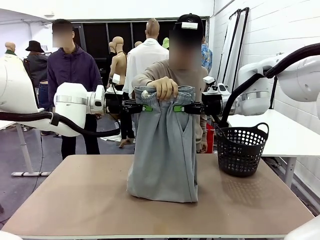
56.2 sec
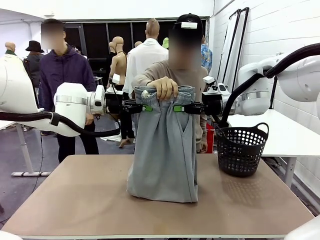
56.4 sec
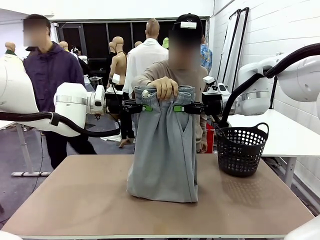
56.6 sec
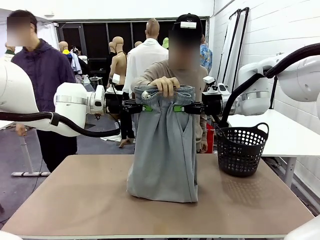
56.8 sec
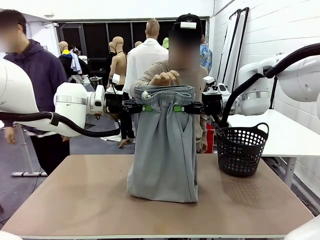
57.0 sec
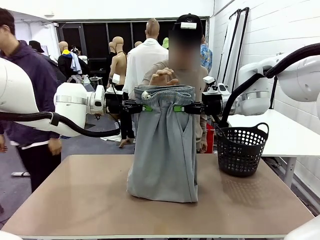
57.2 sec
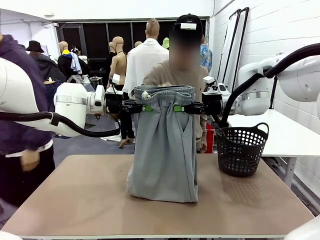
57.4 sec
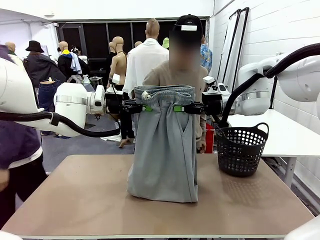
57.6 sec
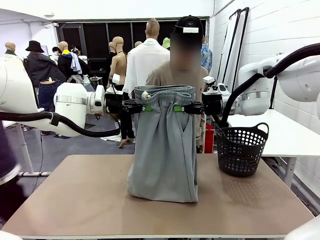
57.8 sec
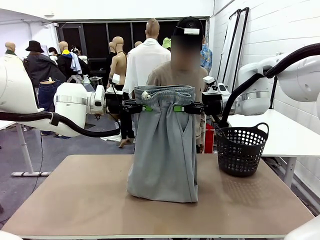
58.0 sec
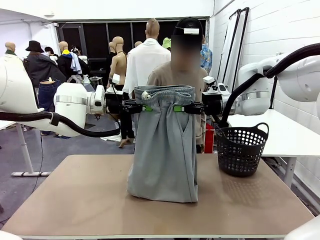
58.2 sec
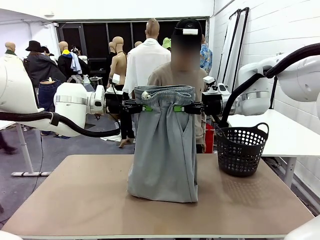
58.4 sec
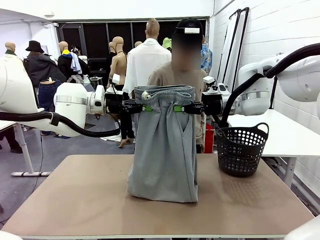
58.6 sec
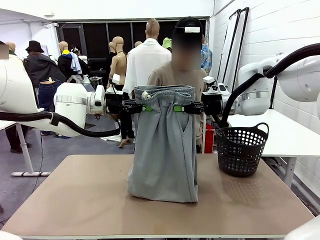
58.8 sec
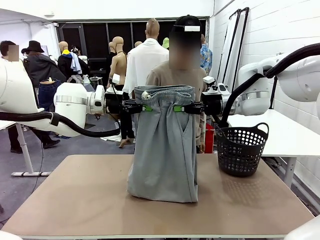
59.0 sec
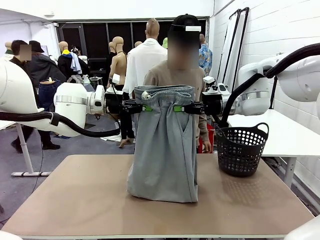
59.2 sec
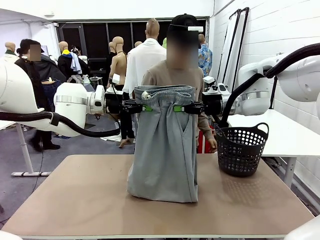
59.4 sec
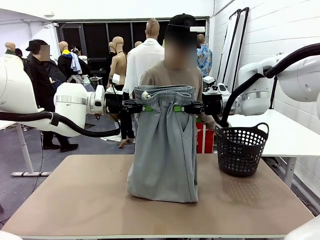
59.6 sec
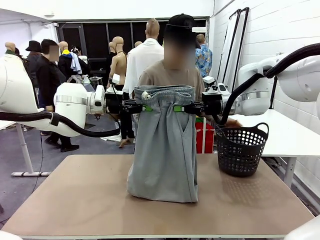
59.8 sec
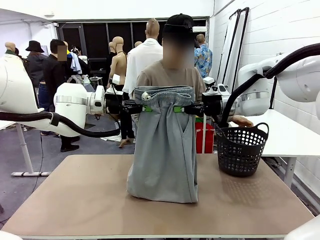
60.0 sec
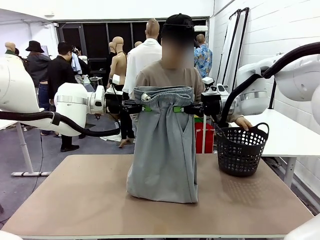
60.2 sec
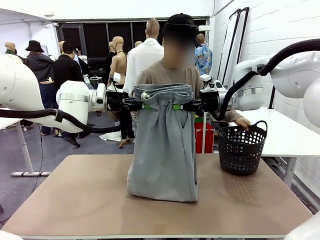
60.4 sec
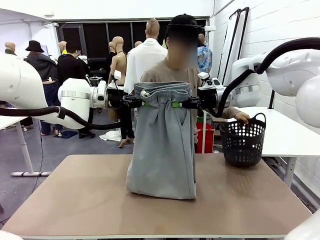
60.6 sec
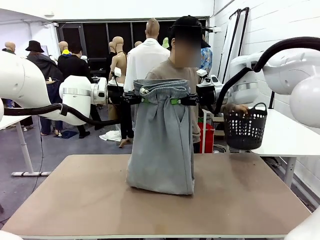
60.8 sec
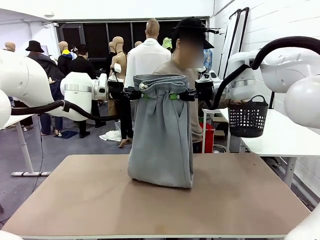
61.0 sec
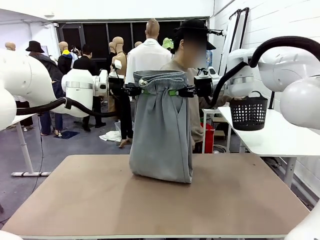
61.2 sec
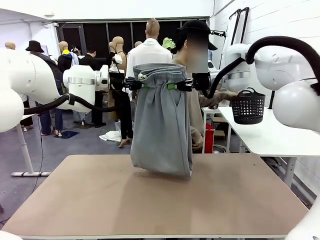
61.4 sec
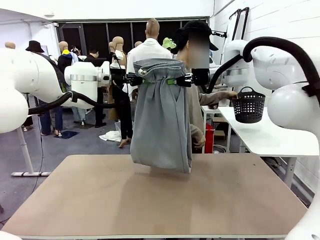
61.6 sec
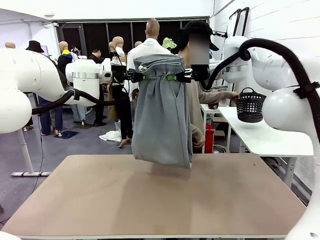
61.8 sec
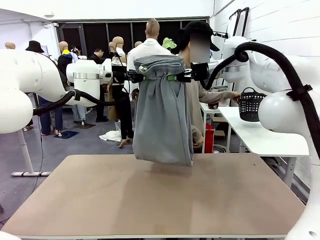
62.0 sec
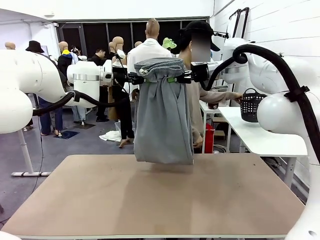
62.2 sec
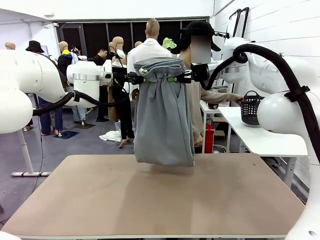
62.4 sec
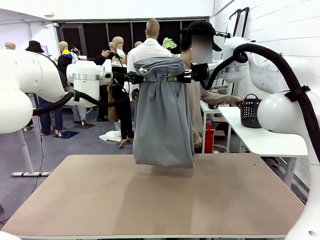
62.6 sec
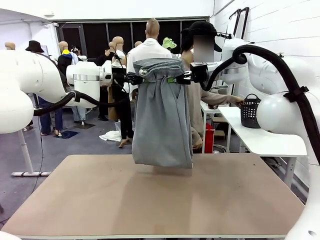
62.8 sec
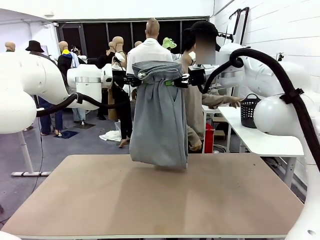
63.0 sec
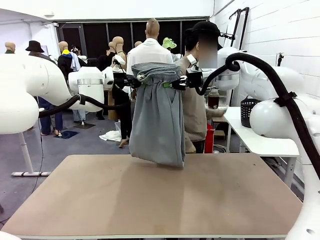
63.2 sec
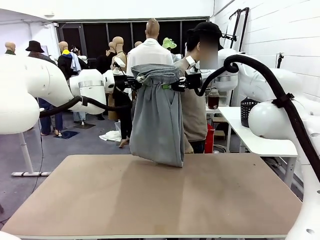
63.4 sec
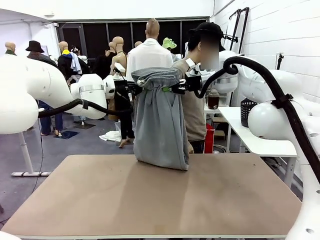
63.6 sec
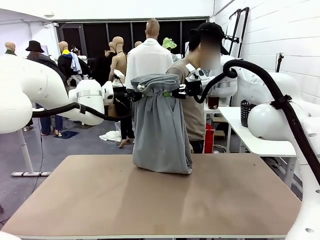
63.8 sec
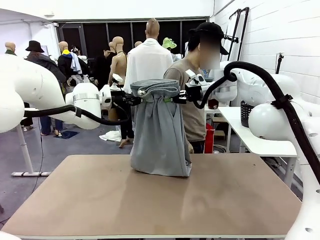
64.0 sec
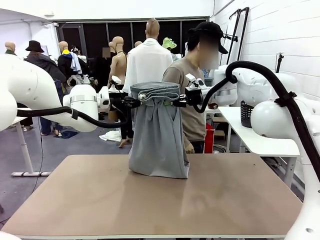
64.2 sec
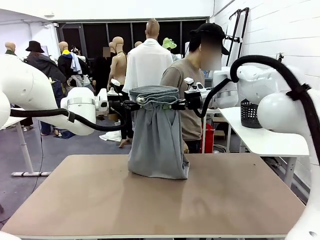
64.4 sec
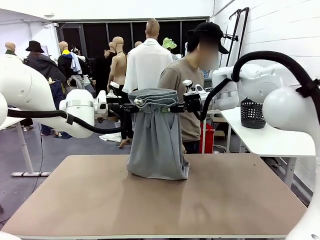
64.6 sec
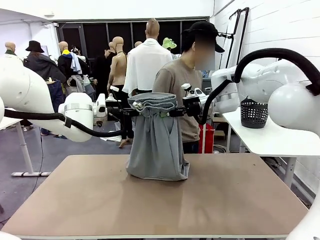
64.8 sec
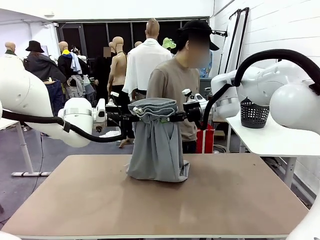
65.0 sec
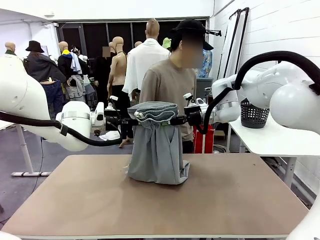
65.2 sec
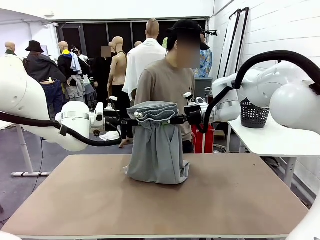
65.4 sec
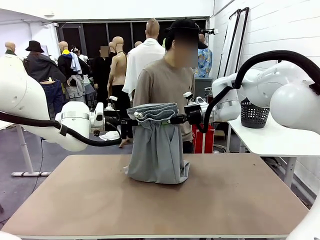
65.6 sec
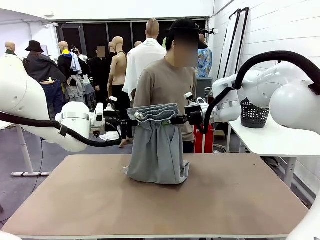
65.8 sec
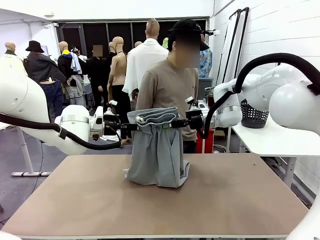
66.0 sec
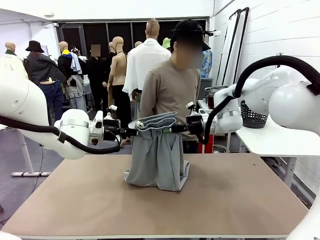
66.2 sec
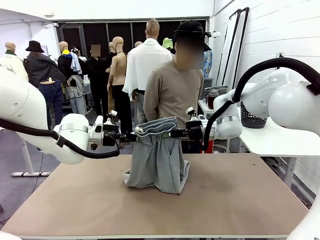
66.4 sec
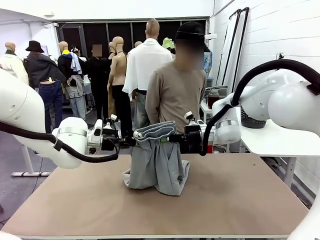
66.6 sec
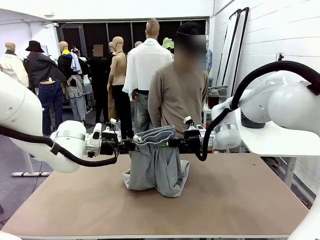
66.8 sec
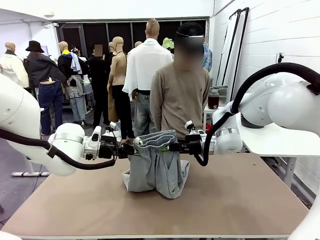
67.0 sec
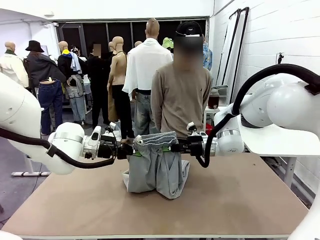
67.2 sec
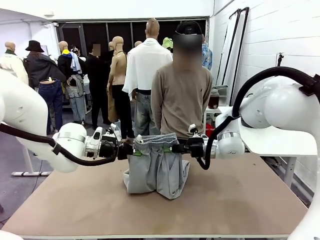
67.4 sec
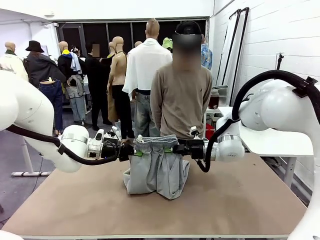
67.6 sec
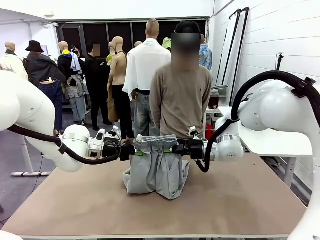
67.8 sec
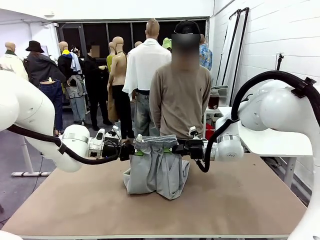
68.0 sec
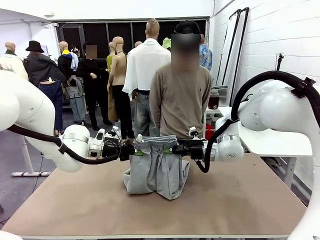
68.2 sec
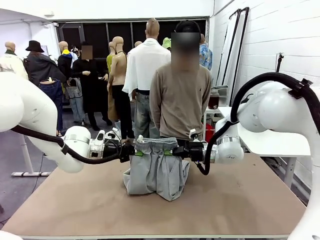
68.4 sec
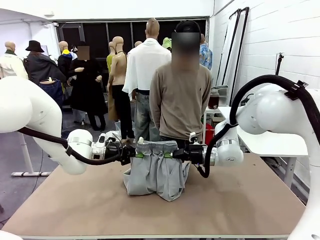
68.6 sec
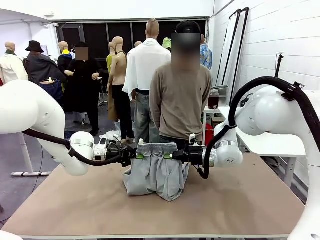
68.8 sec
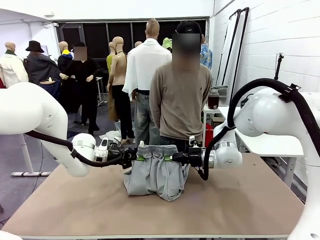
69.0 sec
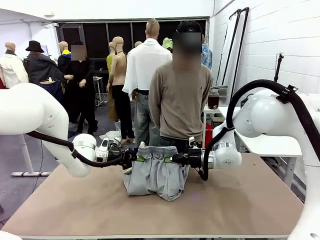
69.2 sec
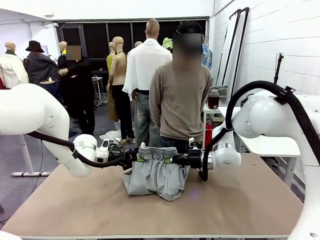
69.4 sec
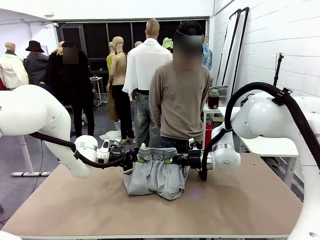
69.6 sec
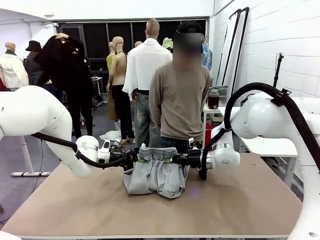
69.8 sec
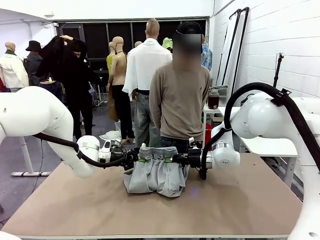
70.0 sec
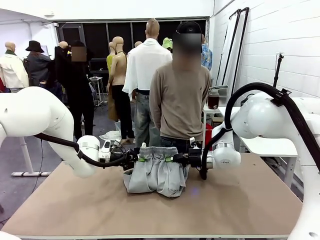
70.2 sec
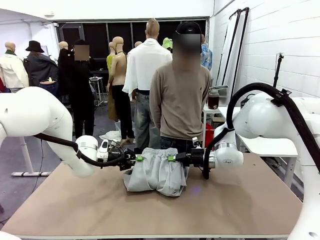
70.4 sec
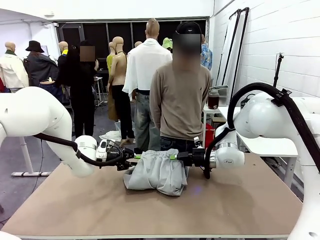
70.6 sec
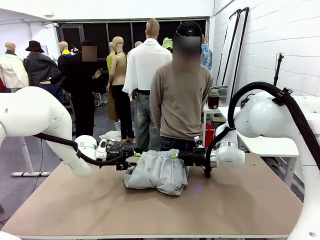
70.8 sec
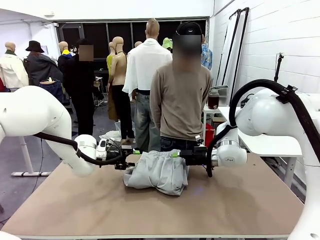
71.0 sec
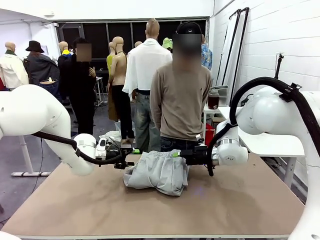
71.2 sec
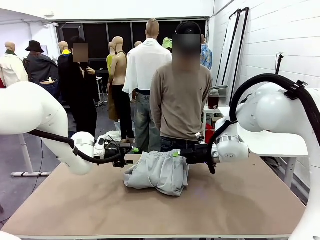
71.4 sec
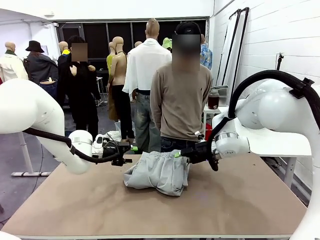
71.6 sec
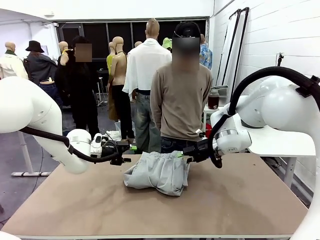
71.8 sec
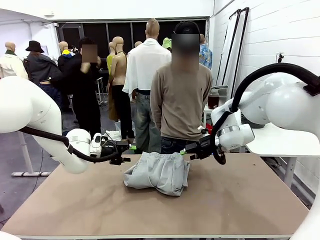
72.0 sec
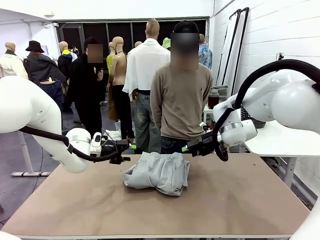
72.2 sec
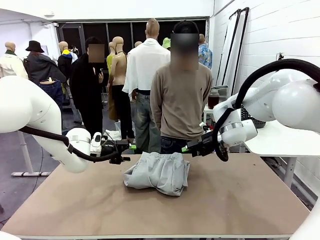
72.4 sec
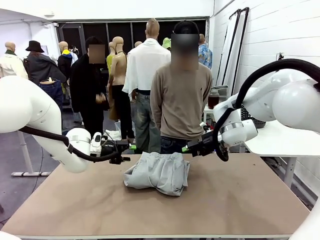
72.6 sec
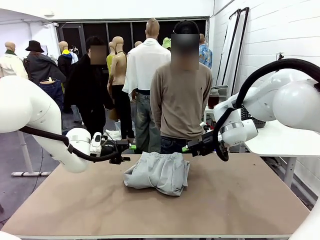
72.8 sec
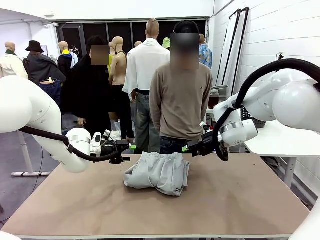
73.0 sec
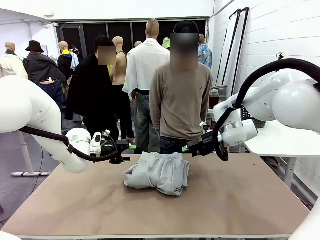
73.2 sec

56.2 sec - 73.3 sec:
Task: Fold the training pants.
Robot: Fold the Training pants in half.
Person: Move the laundry basket to the right of the human table.
